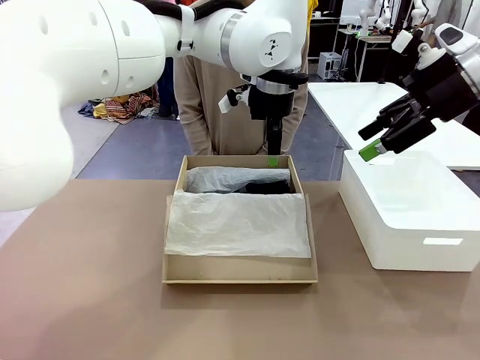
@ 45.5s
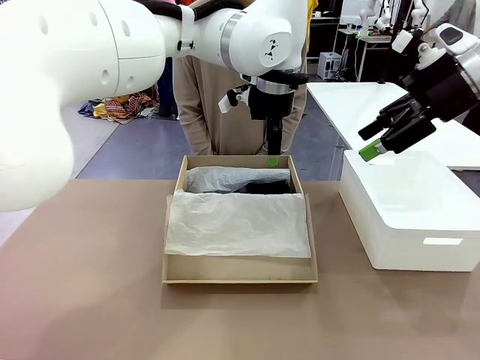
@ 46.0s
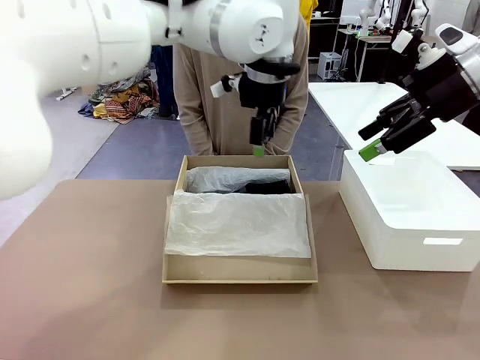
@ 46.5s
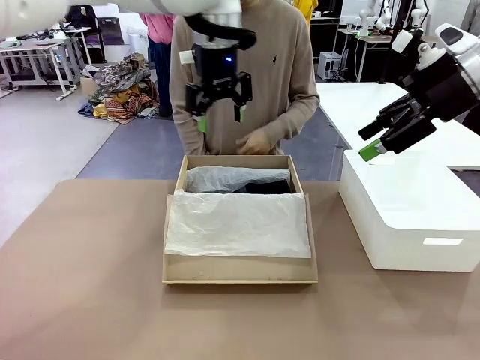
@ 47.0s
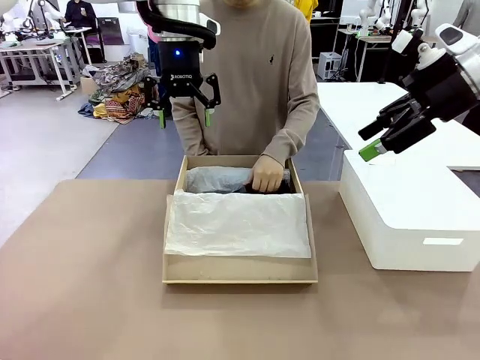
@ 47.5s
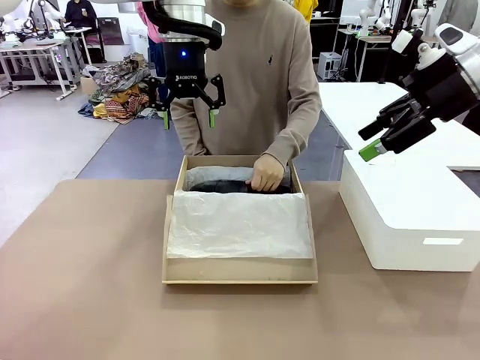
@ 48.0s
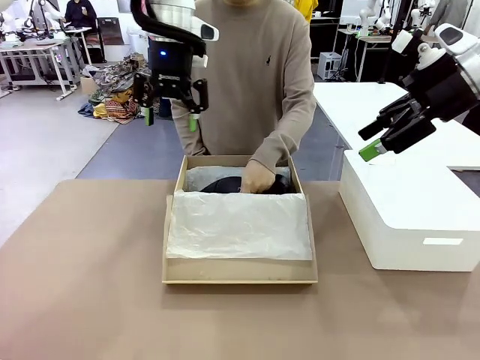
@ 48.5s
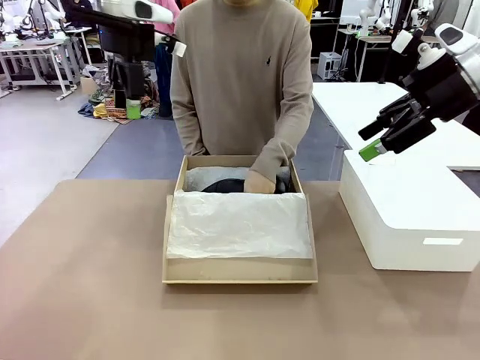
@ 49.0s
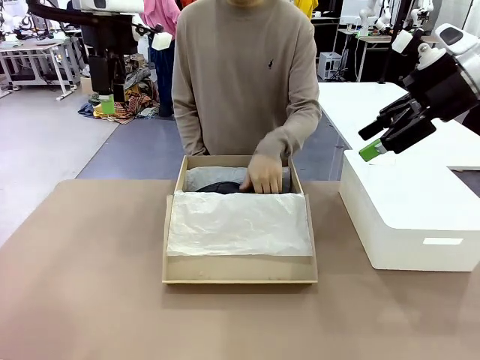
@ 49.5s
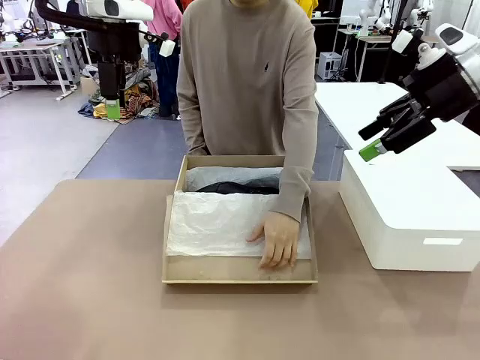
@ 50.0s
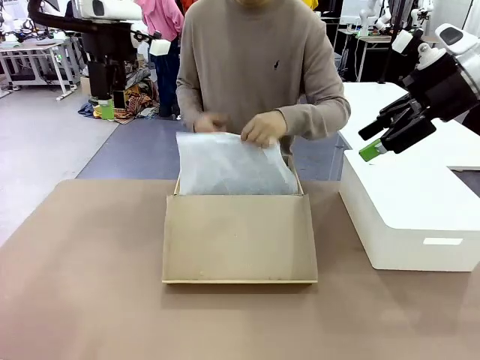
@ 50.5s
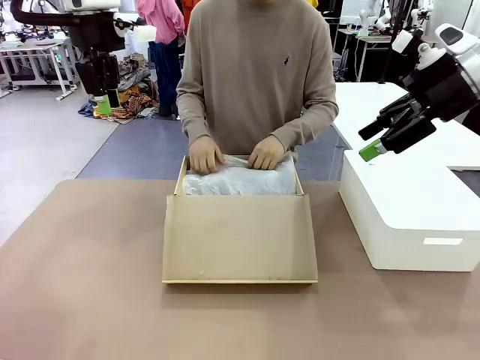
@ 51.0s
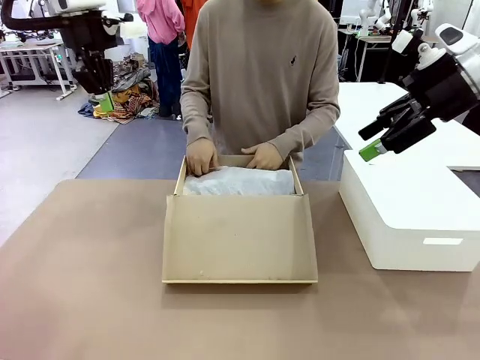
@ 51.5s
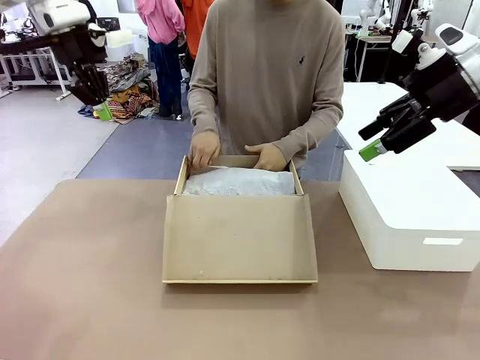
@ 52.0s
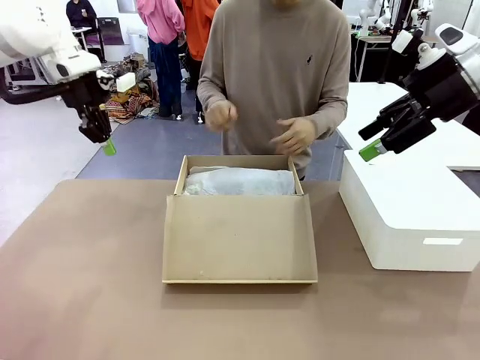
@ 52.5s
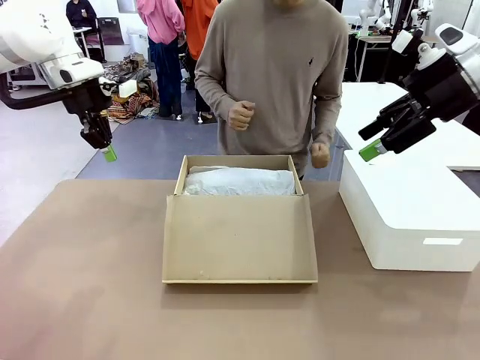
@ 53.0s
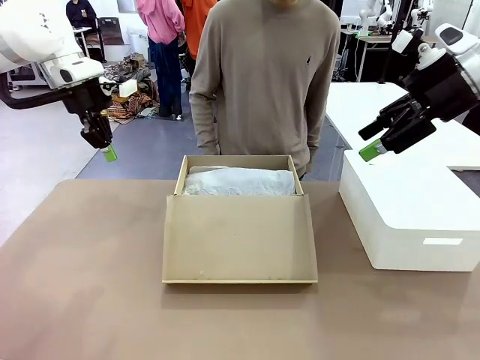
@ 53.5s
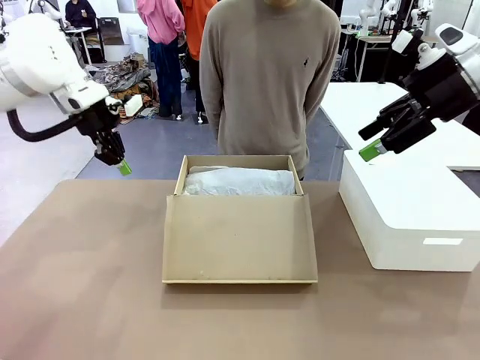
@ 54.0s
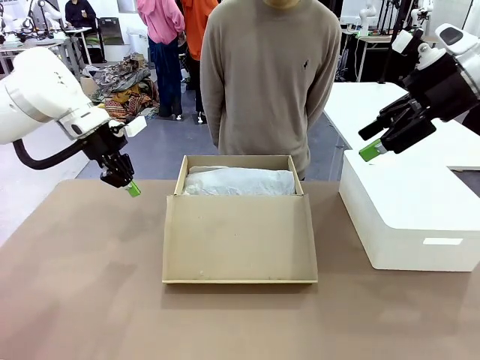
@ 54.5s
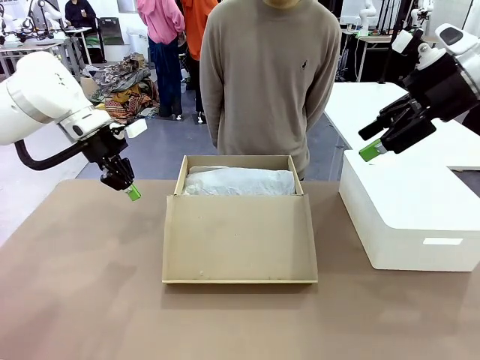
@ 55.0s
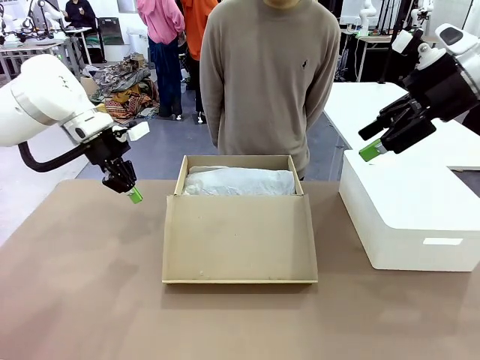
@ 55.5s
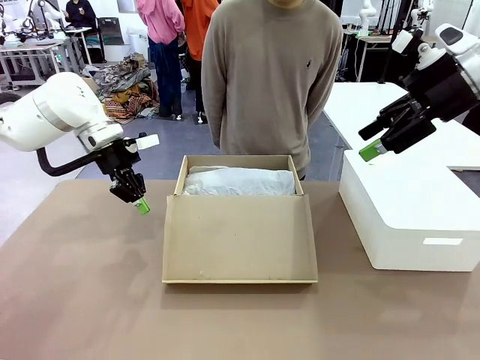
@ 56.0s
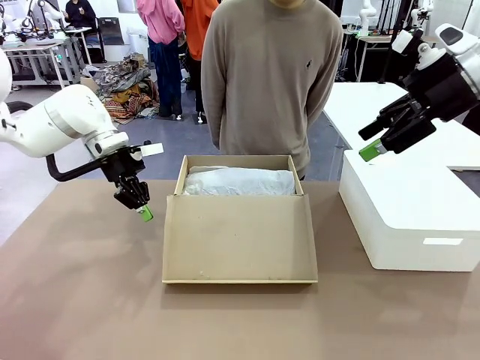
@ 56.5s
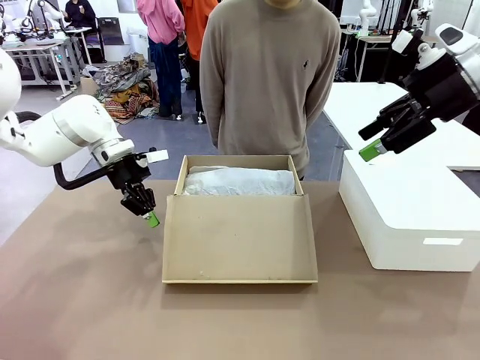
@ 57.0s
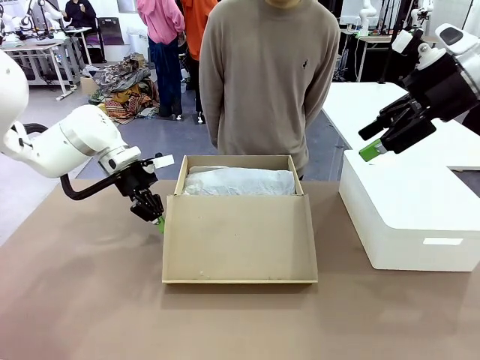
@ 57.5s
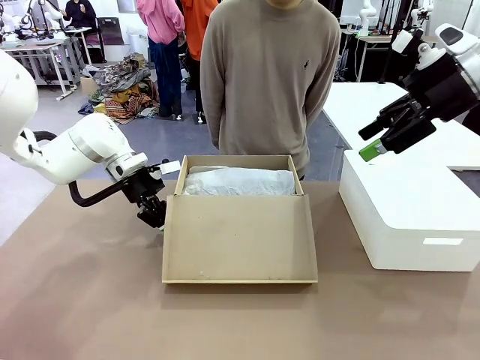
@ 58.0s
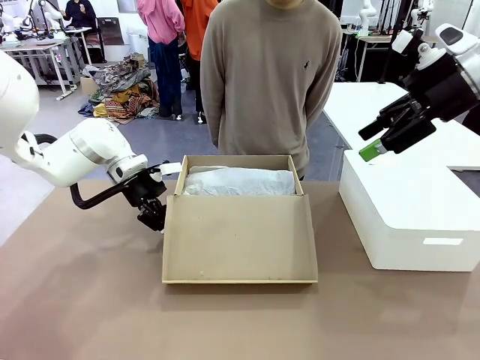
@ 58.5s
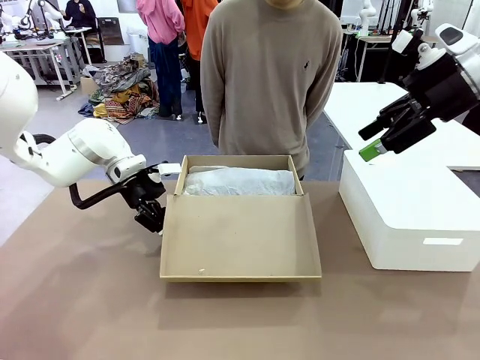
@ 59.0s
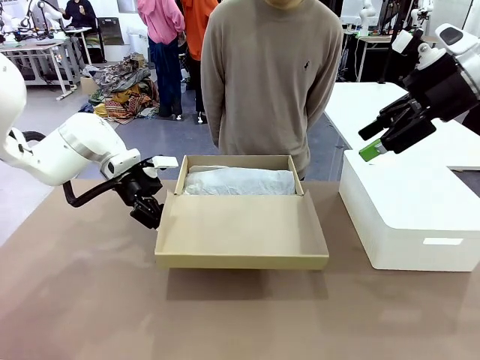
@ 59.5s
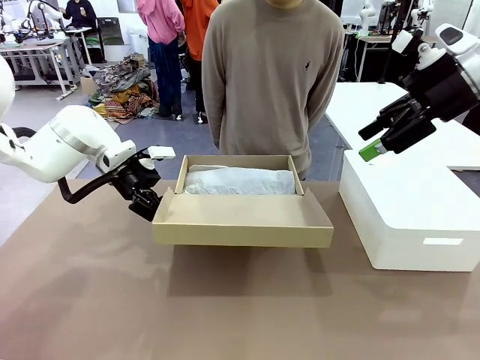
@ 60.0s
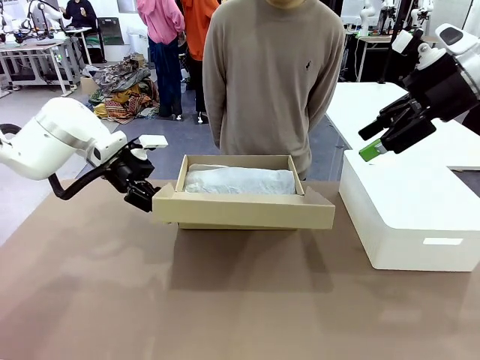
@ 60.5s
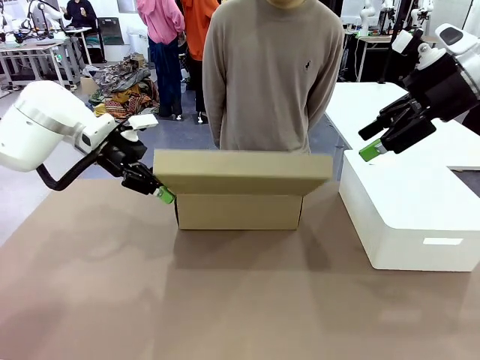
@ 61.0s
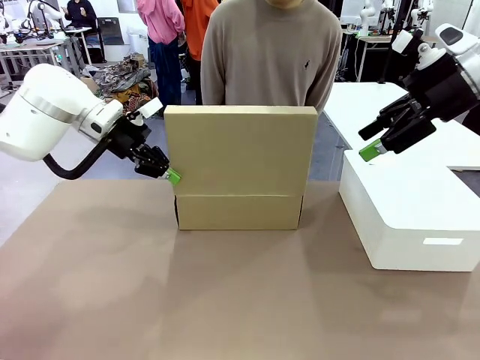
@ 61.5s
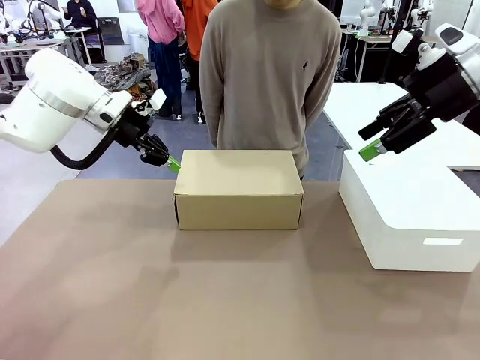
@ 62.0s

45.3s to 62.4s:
Task: Pack the shoes into the box.
Robot: Close the Shoes Box.

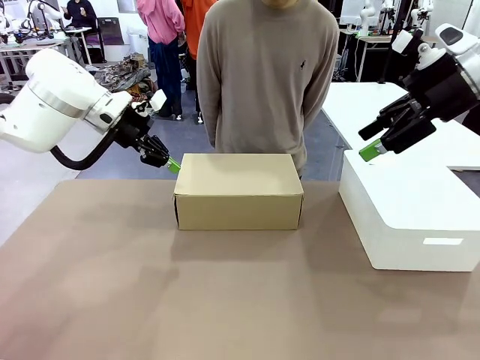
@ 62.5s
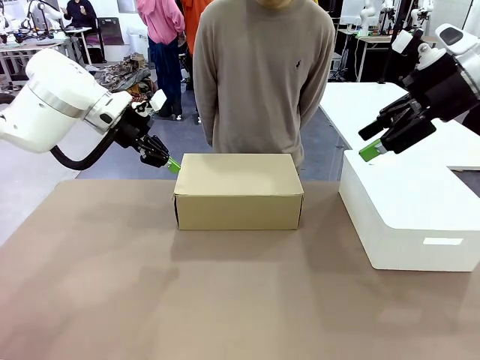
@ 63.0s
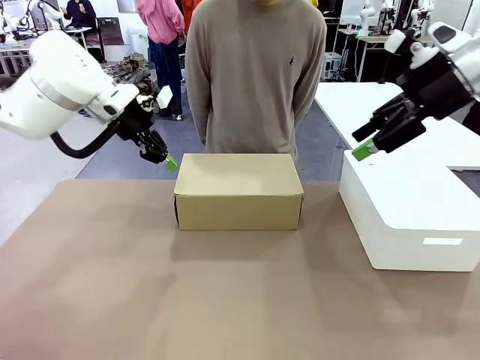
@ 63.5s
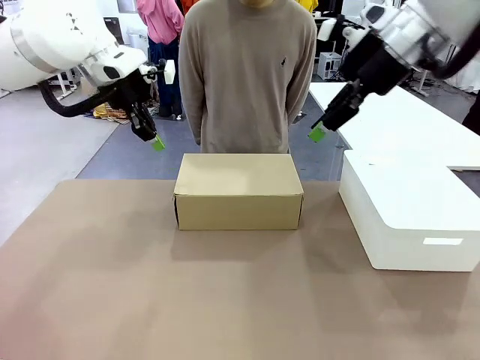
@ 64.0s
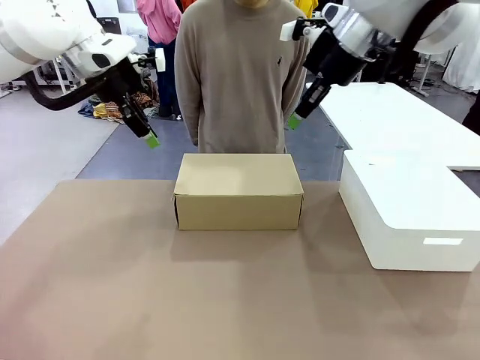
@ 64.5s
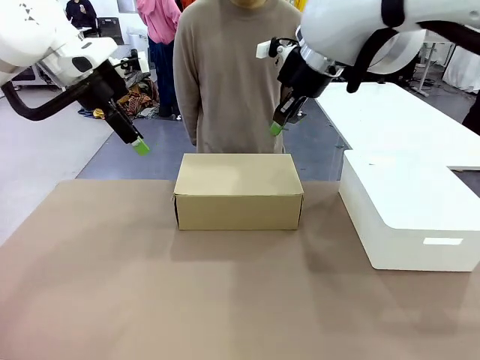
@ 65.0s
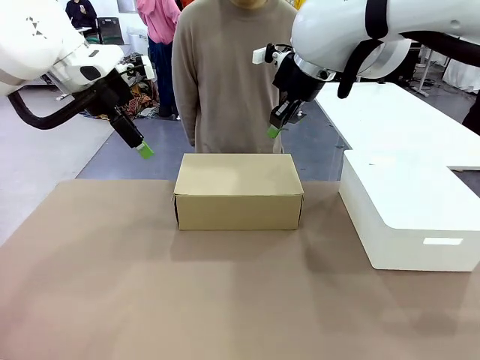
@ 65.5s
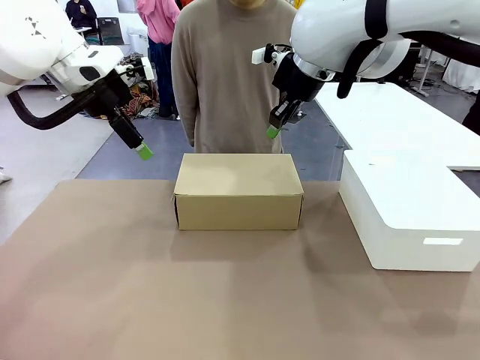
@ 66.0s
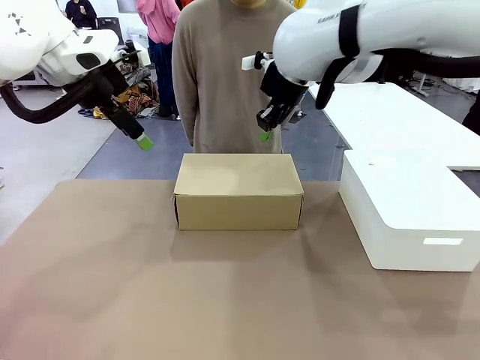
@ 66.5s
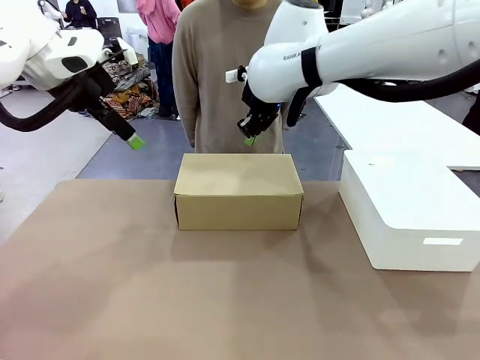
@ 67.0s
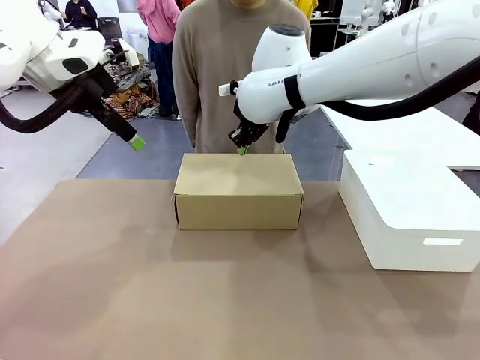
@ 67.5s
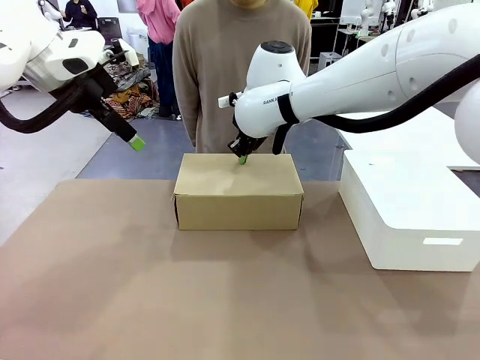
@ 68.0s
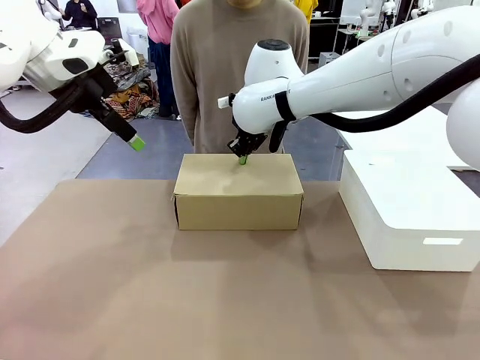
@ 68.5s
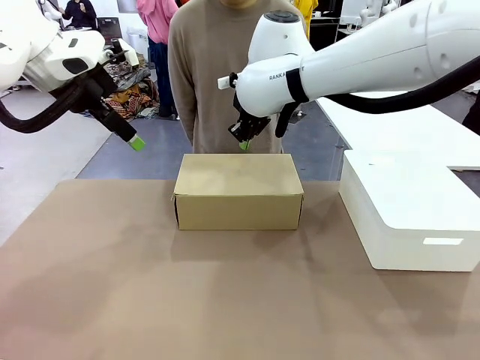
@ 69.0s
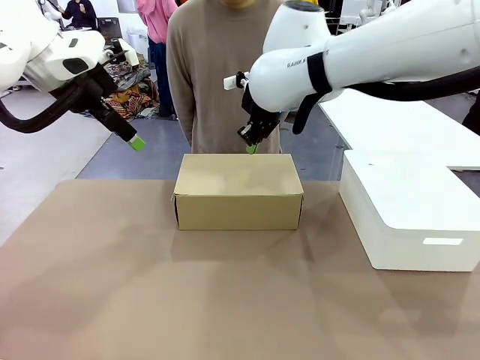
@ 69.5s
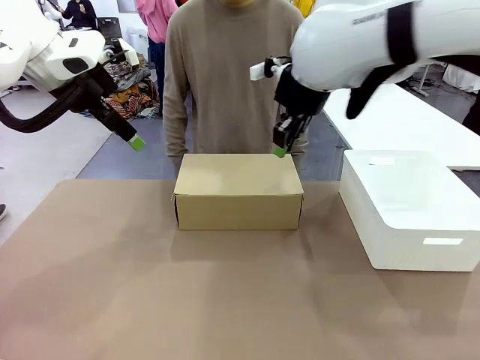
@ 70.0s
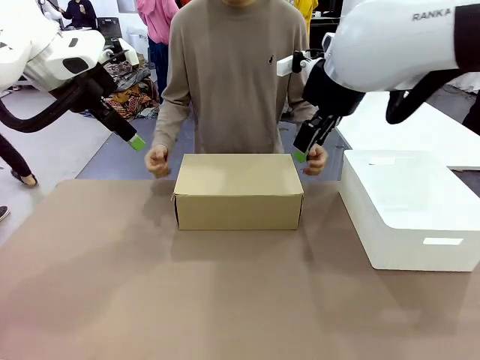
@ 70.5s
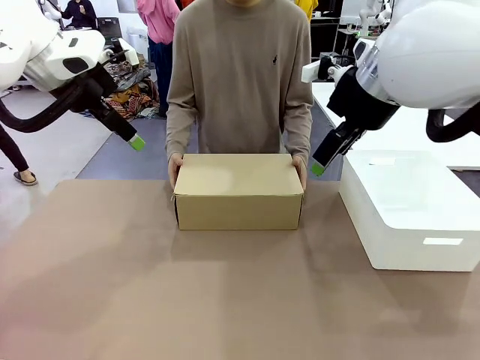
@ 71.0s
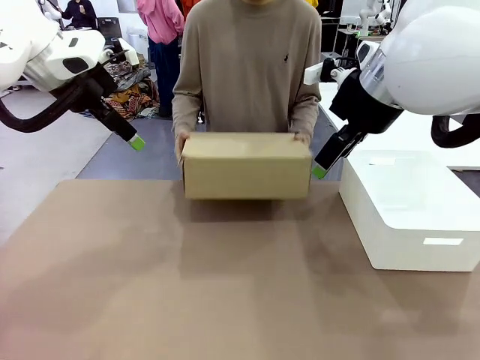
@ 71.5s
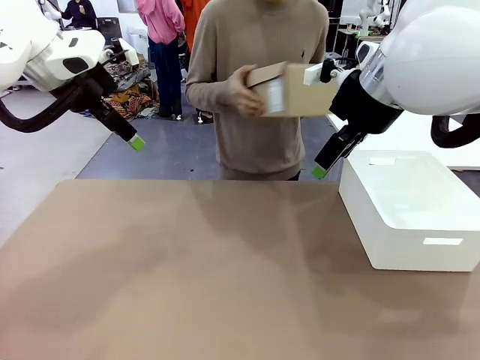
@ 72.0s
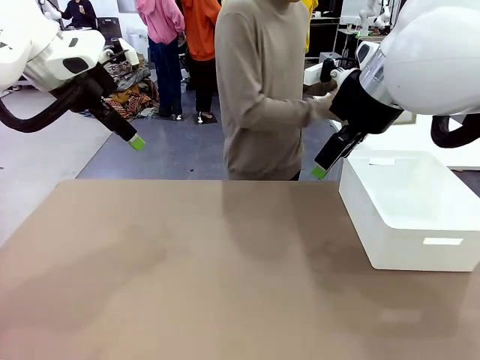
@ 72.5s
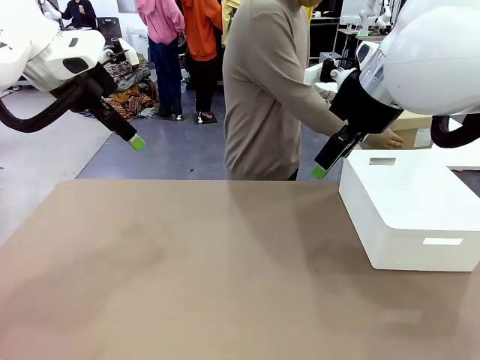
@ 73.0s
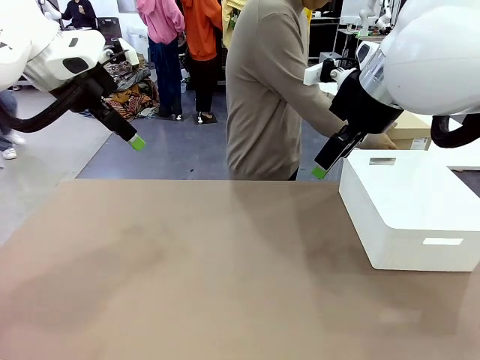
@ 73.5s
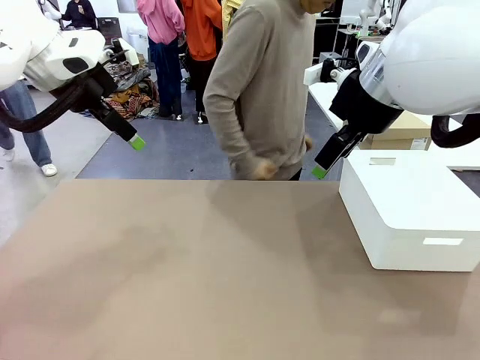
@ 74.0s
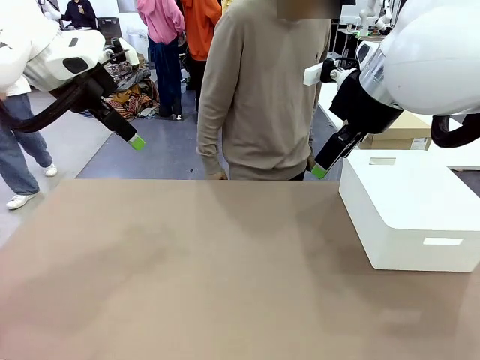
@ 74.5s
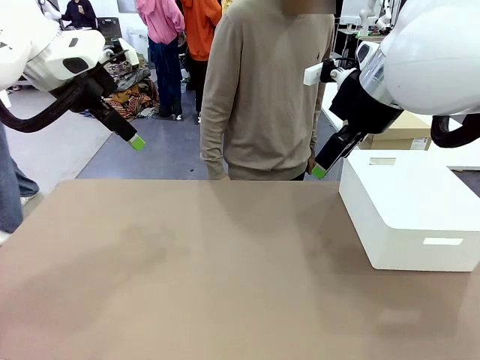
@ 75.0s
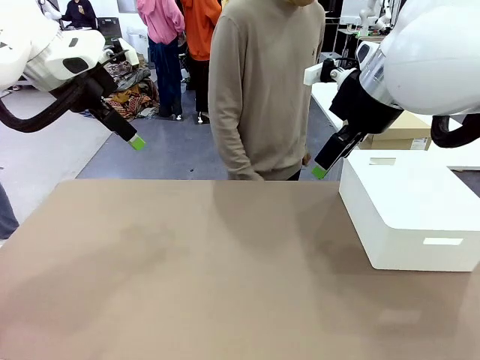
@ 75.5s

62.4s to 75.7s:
Robot: Press down on the lid of the Shoes Box.
Person: Place the closed Shoes Box to the right side of the human table.
